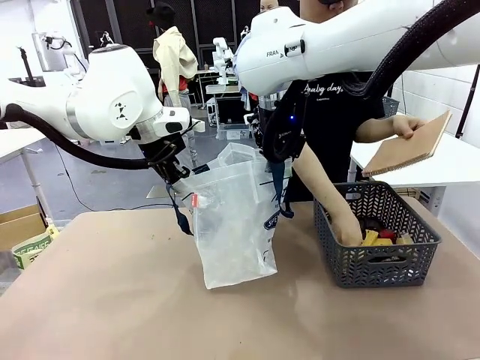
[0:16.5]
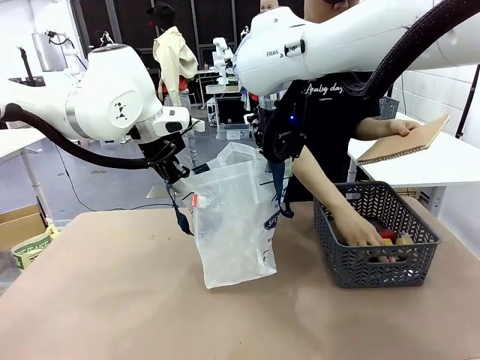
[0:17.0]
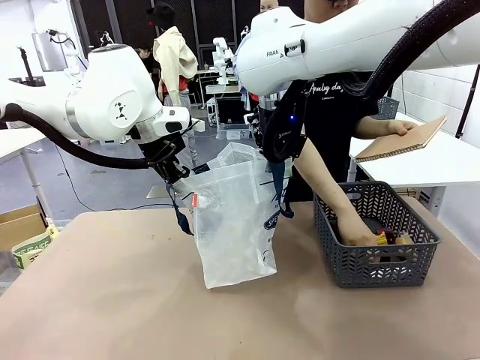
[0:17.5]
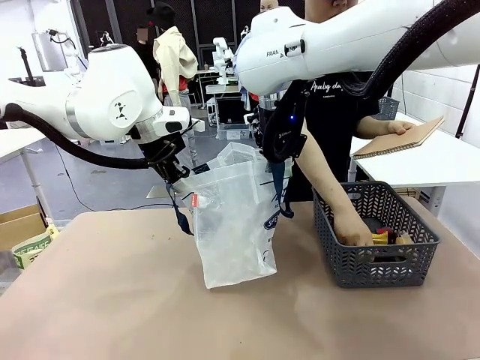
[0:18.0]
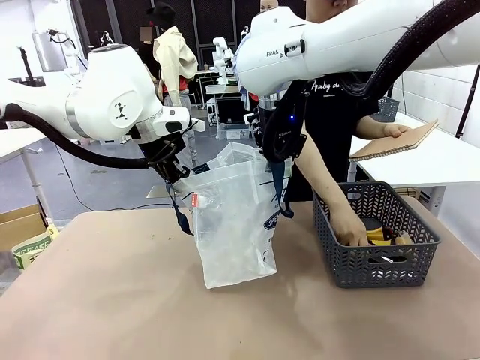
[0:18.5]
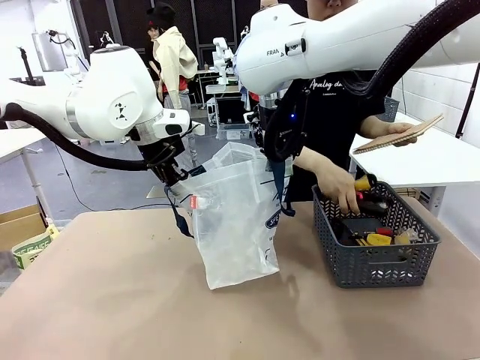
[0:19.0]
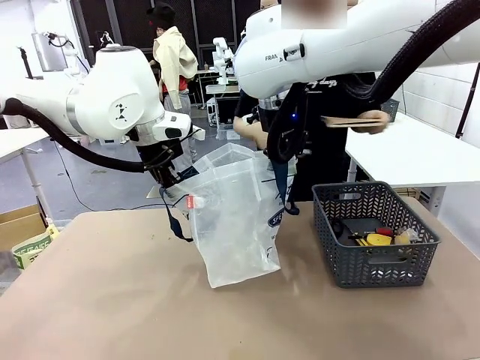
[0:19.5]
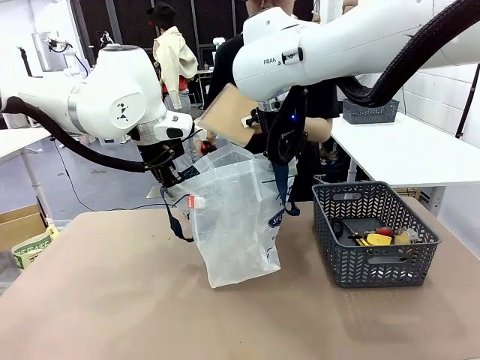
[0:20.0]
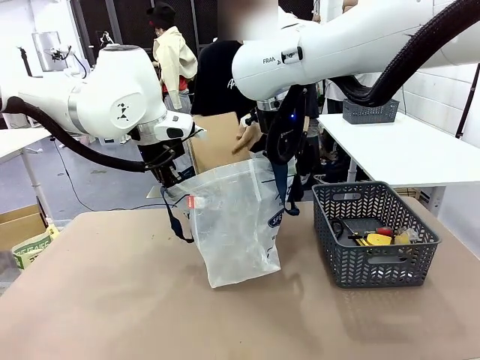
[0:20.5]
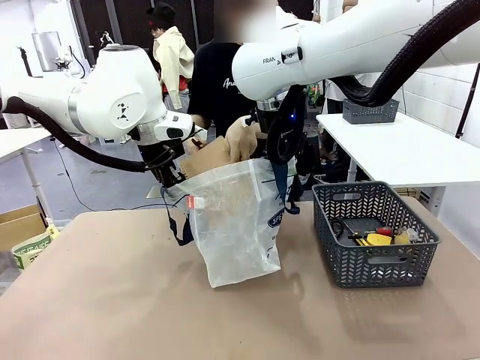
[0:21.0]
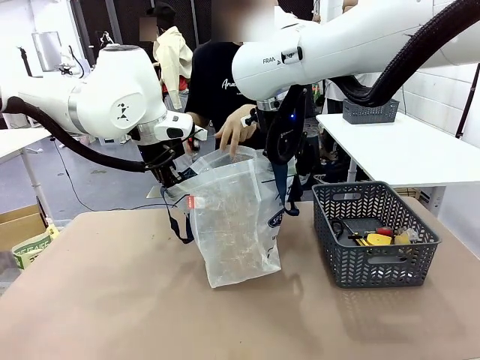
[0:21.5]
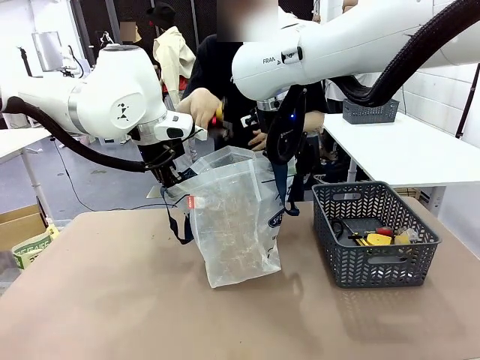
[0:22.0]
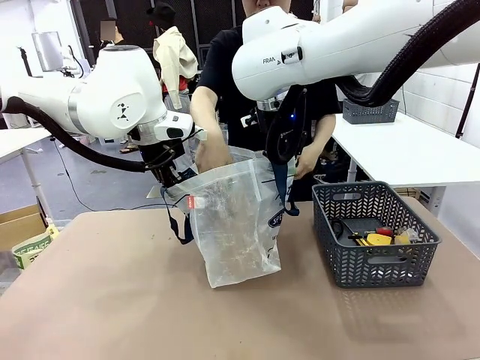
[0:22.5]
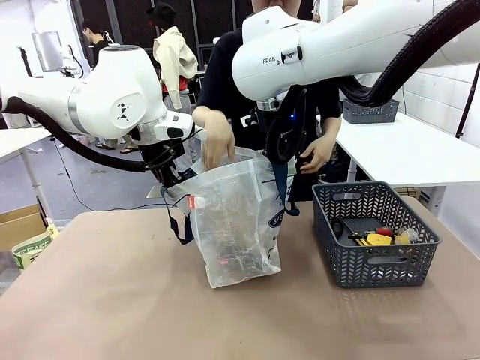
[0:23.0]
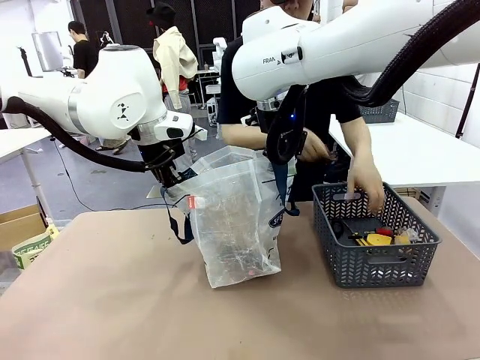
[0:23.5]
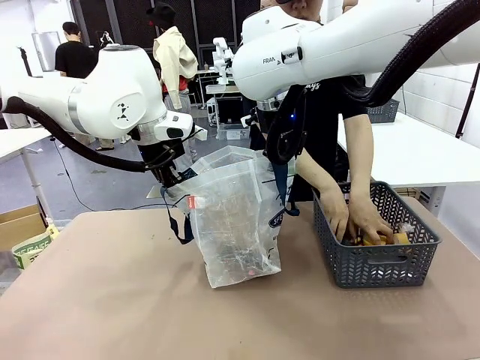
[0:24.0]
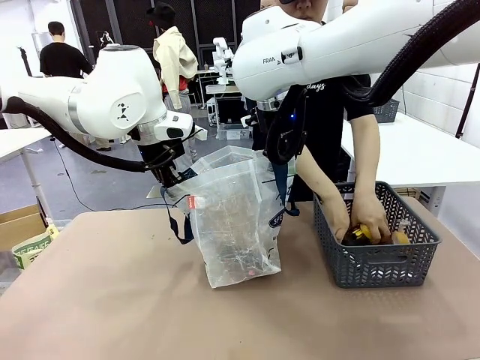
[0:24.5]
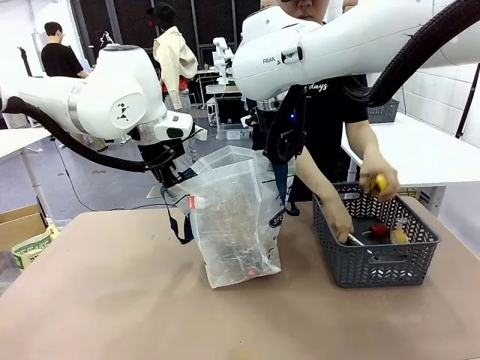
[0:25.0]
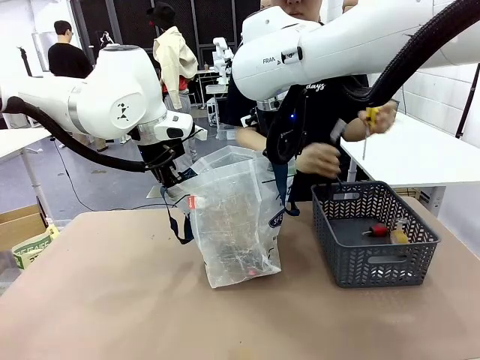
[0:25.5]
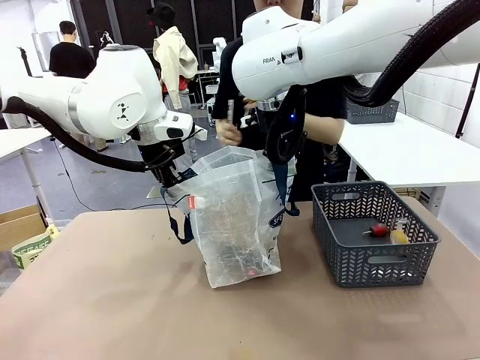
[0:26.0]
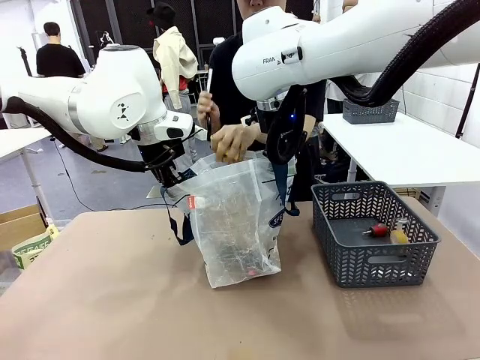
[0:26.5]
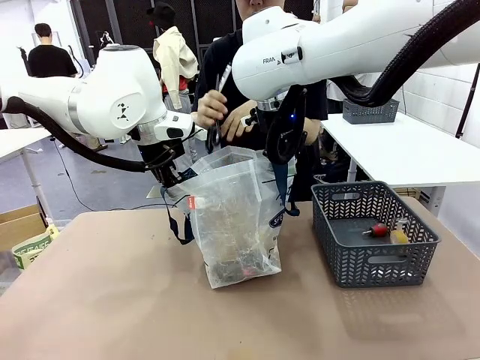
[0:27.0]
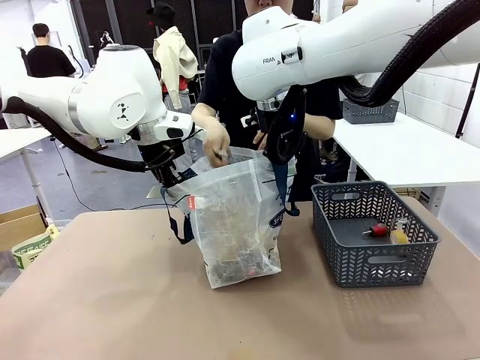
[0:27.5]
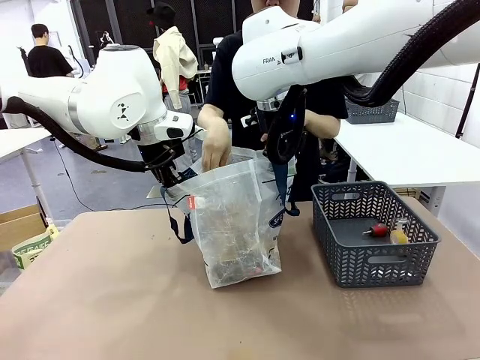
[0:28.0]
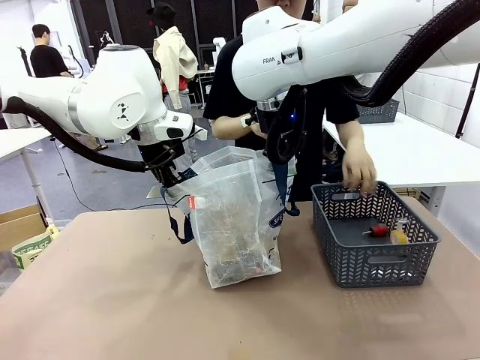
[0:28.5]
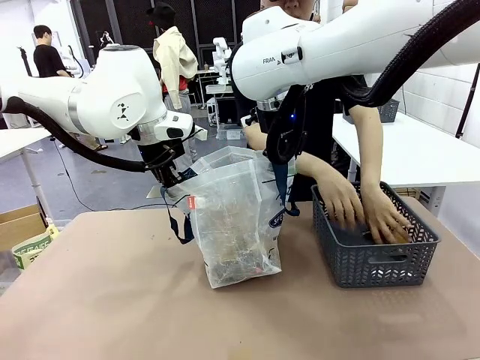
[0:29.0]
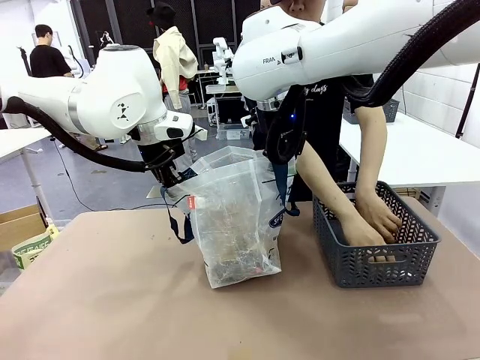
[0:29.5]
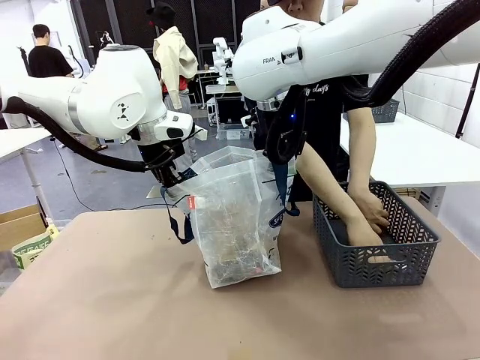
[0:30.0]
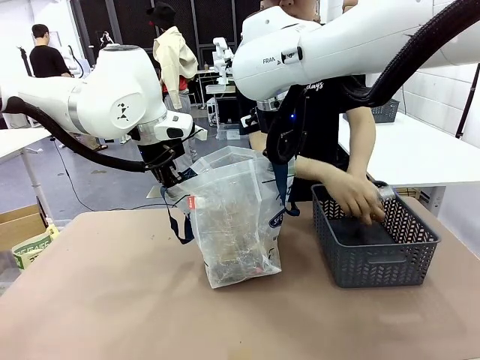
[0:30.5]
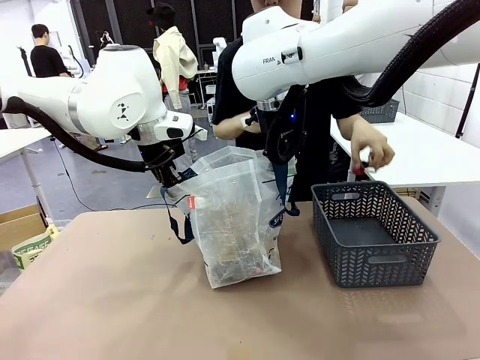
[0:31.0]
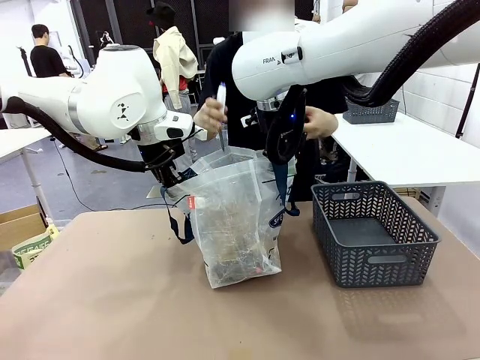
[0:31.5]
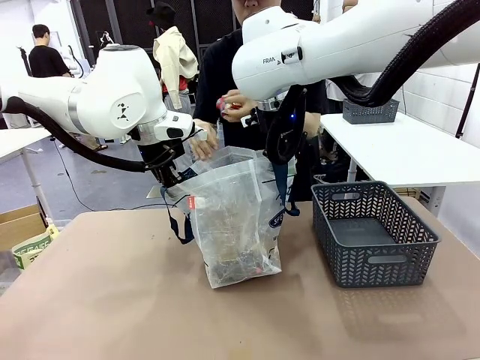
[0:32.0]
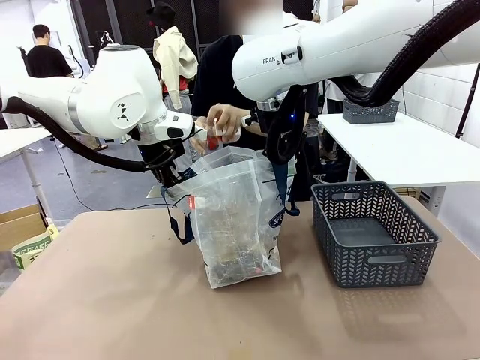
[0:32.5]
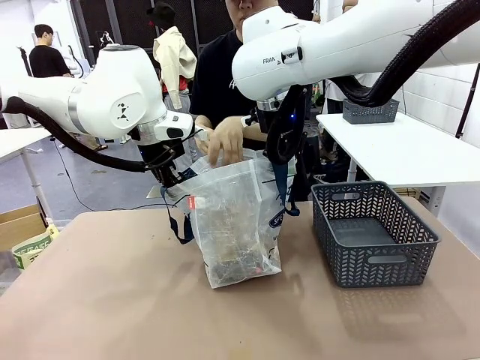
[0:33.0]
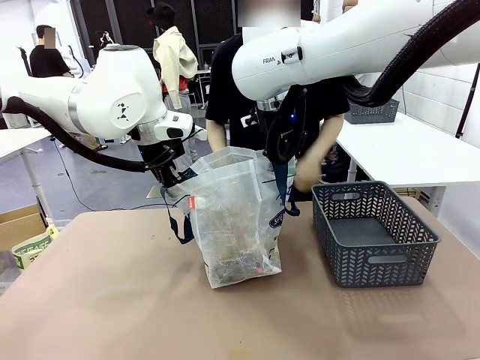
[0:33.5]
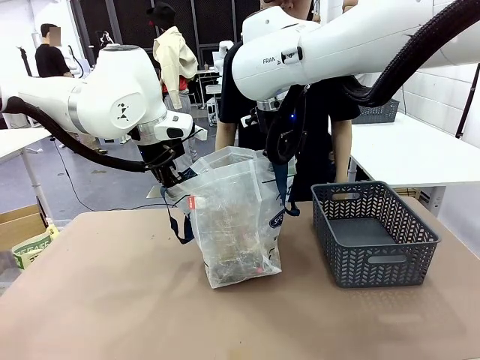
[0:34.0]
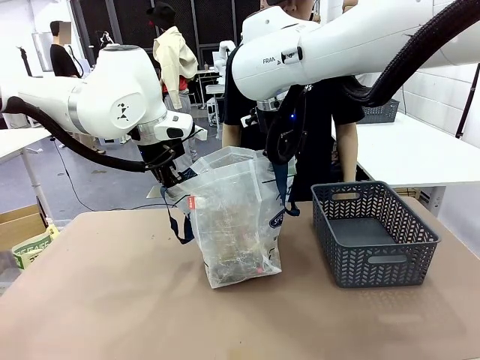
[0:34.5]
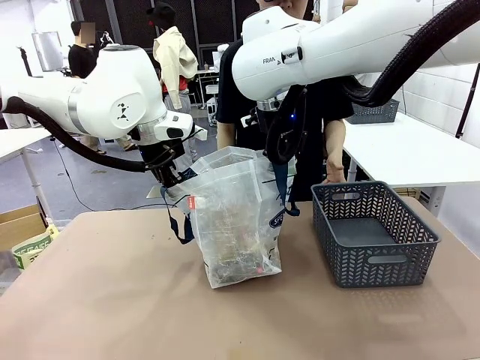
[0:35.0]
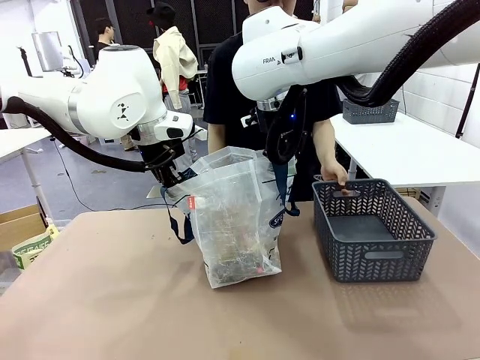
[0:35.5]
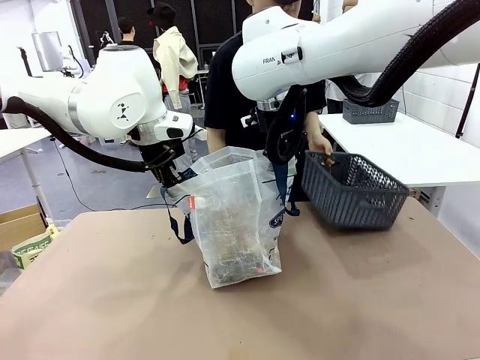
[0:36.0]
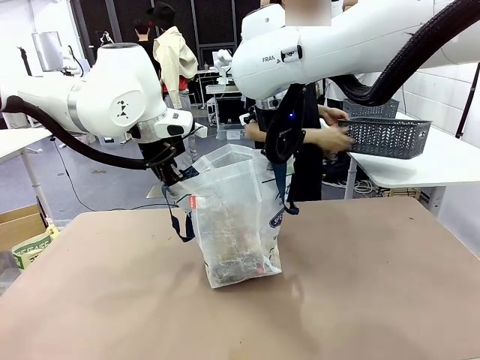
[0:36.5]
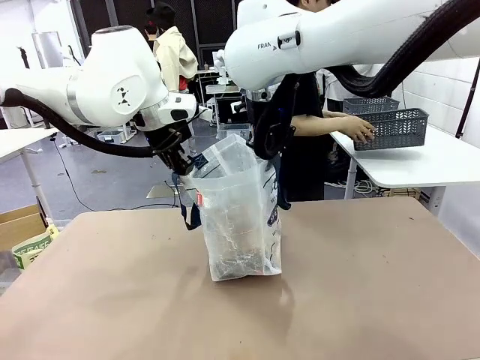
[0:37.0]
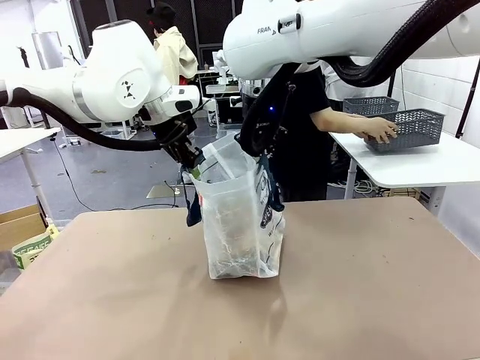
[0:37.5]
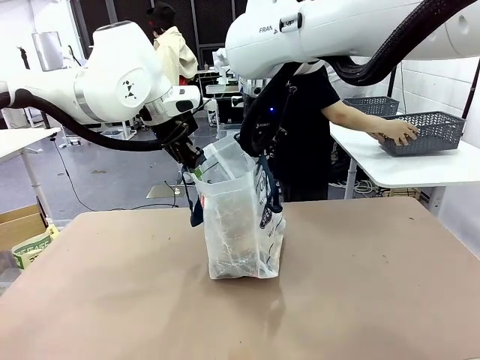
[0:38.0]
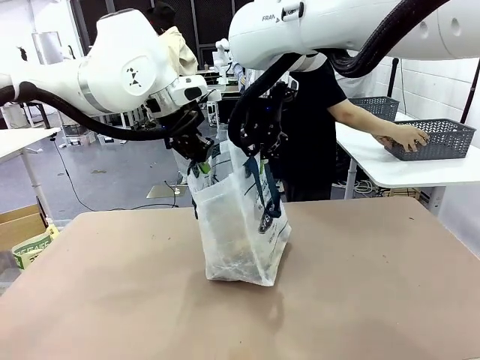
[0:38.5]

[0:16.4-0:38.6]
Task: Transfer purchased items from the store into the shopping bag.
Robot: Move the Reusable shopping bag to the right side of the table.
Person: Pick up the basket on the right, place it on the left side of the robot table, and move the items in the basket to the shopping bag. Pick up the basket with the items out and place it on the right side of the human table.
